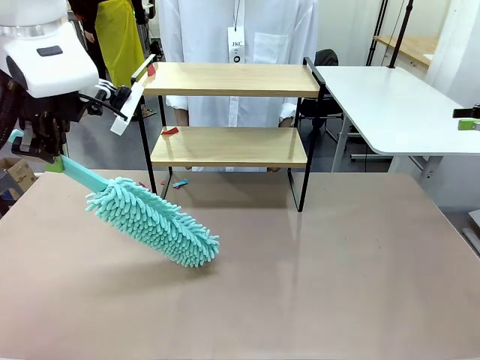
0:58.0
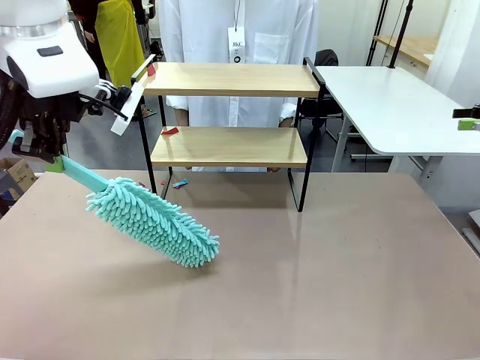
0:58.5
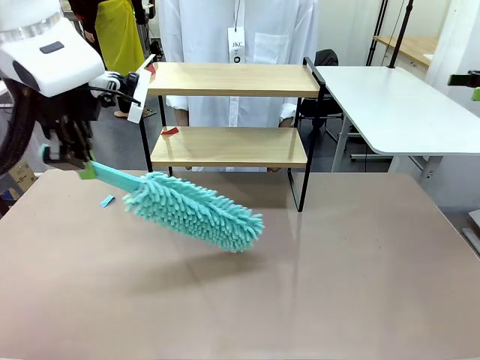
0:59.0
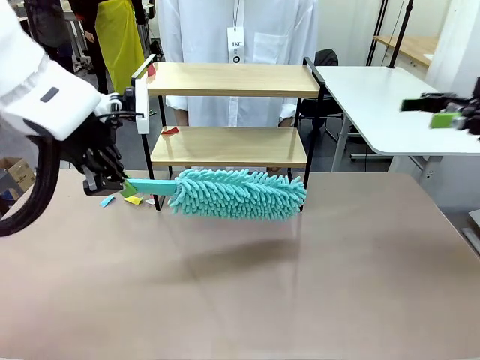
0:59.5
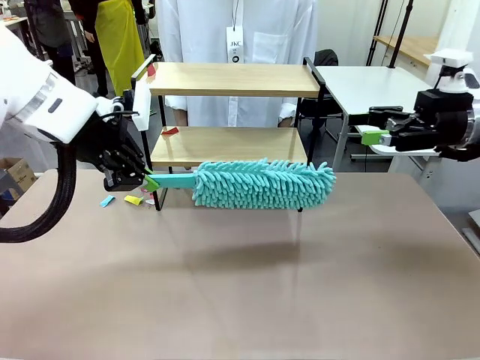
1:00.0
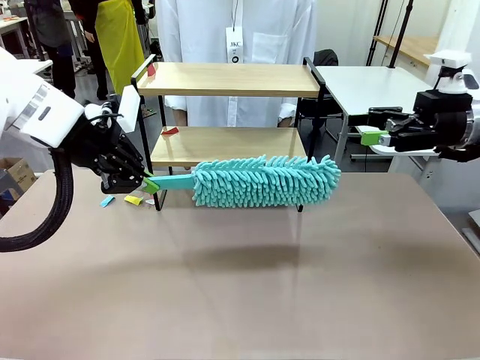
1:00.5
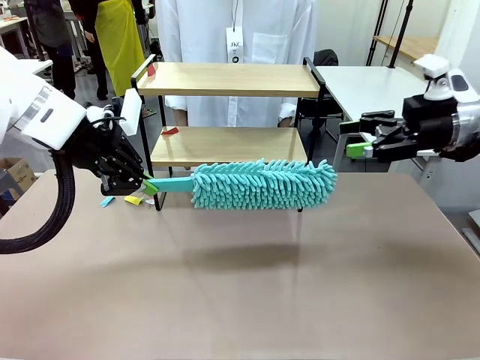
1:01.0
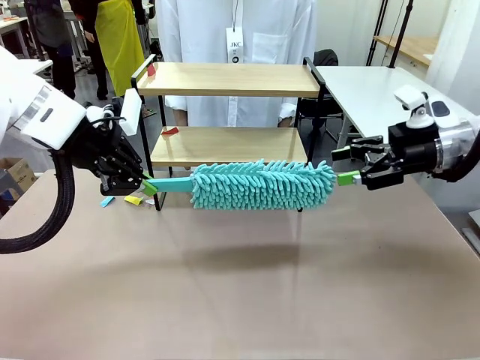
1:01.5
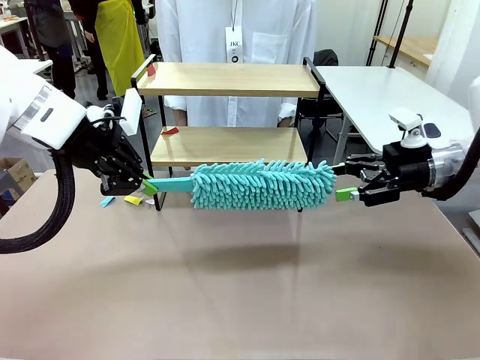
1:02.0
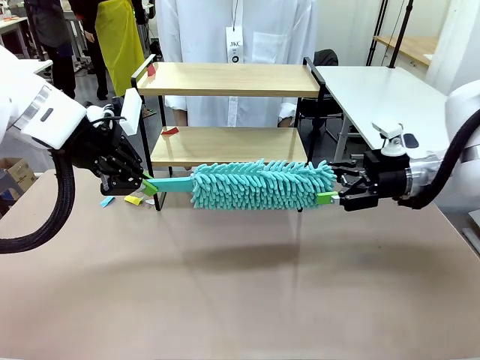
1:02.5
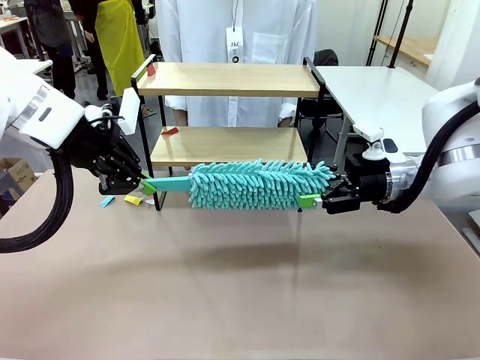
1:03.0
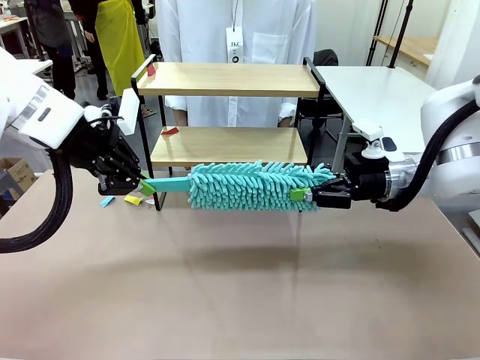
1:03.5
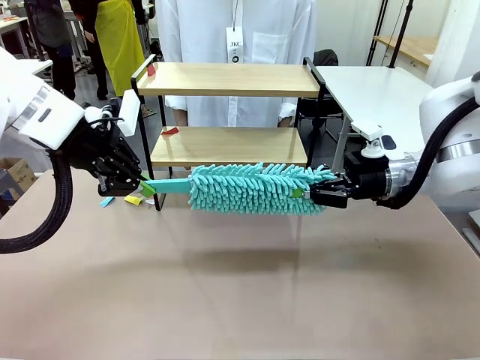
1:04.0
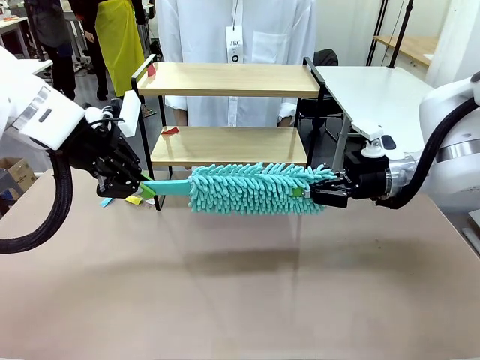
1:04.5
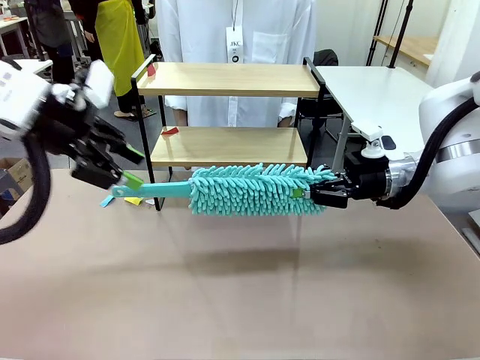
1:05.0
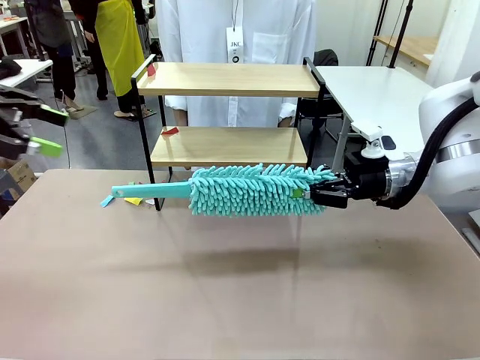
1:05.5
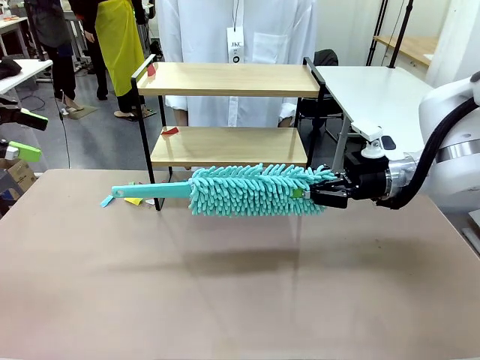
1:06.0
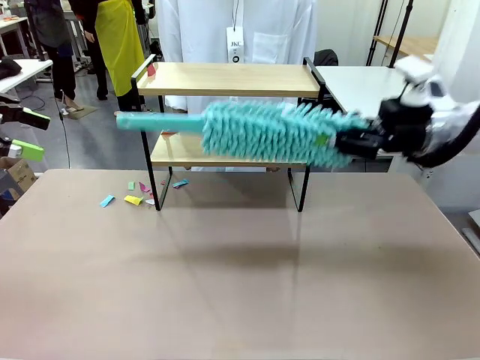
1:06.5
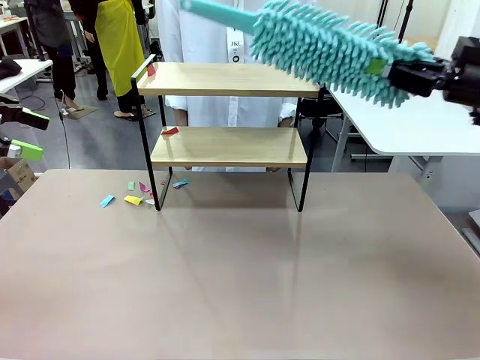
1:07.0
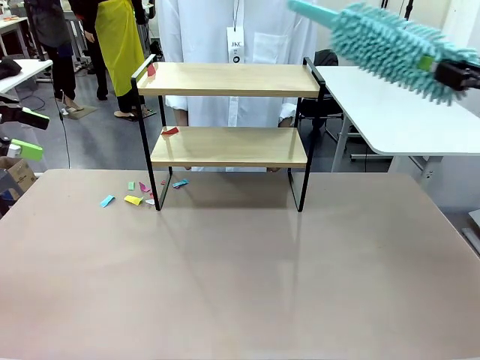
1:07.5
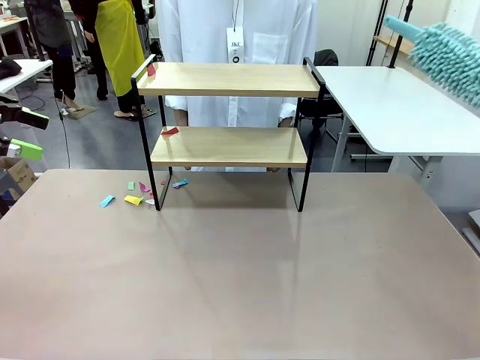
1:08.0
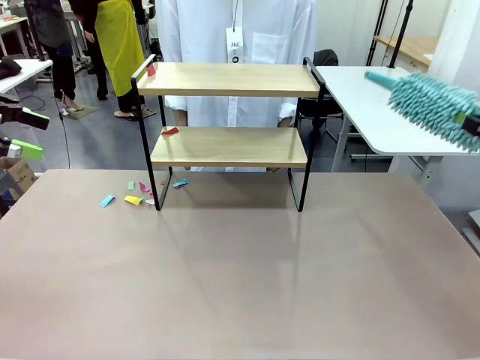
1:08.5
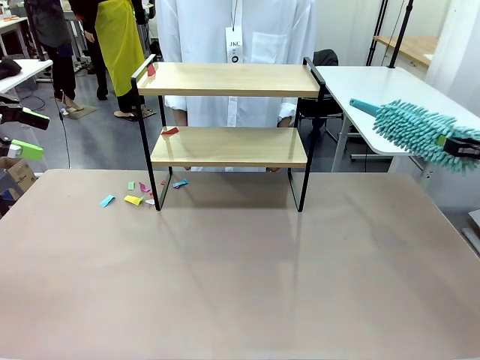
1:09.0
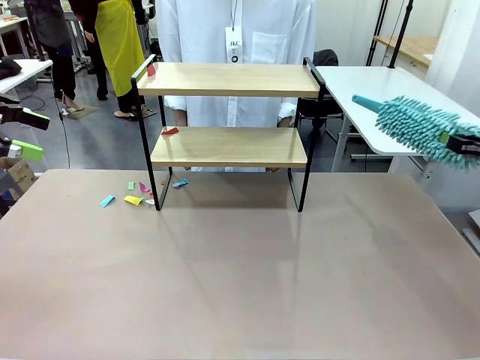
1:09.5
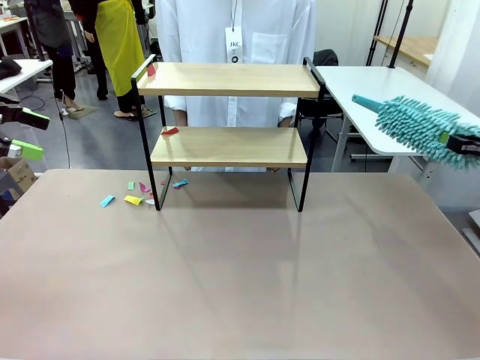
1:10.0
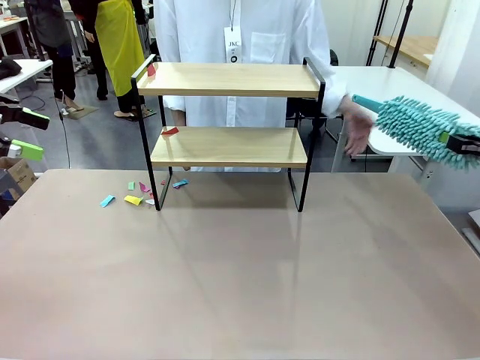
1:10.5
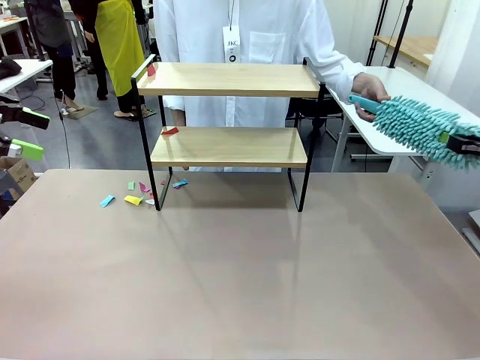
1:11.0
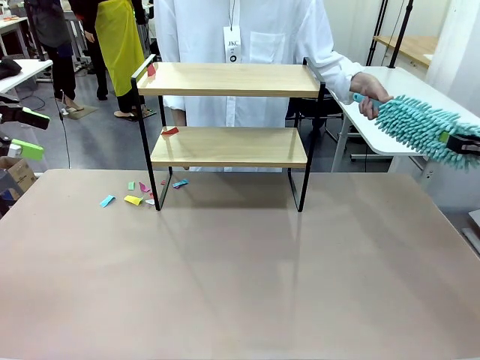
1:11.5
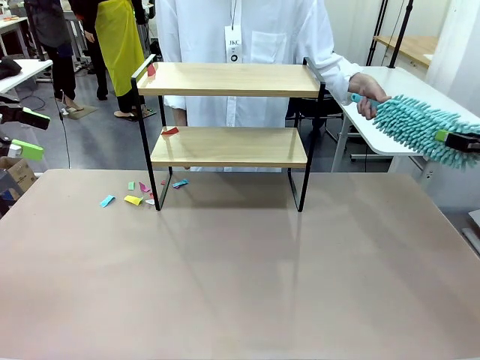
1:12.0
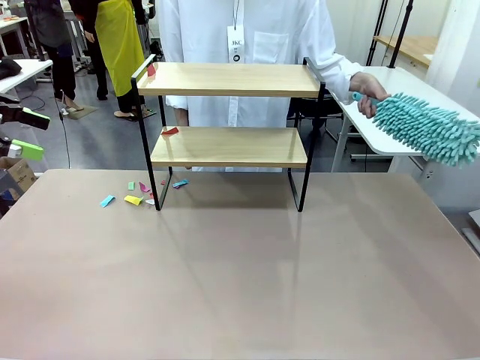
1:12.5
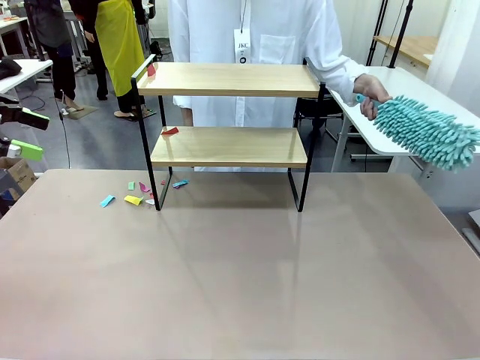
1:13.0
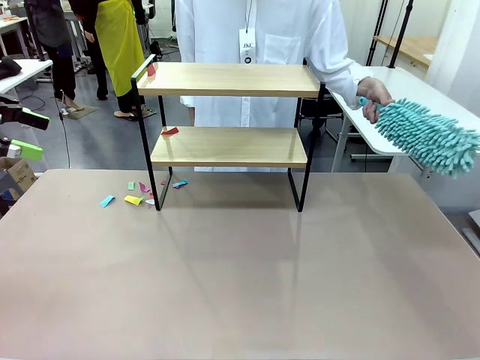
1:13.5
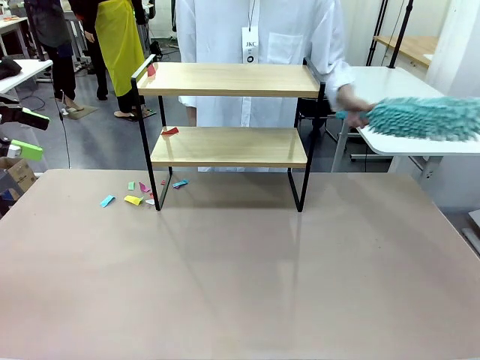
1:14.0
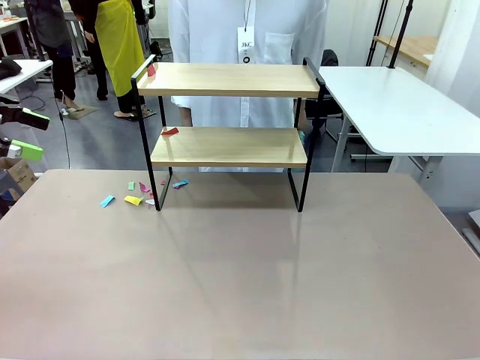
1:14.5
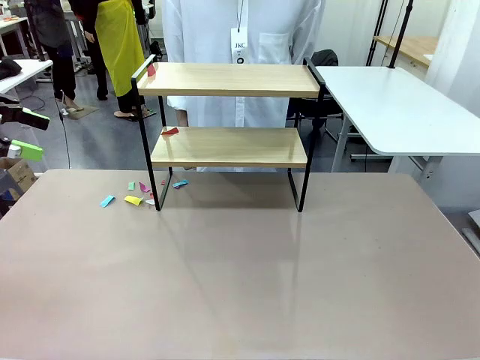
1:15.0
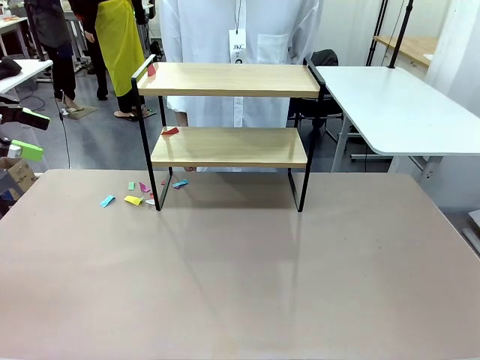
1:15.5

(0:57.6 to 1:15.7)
Task: Clean the shelf.
Robot: Hand the Duster back to the human.
Person: Receive the Duster from the robot.

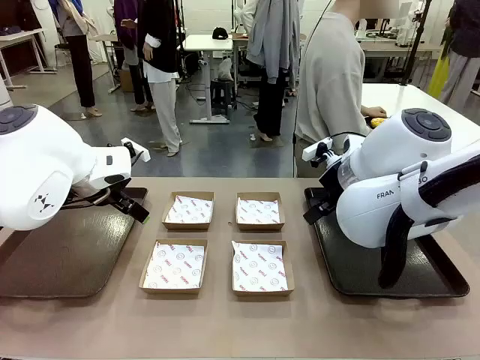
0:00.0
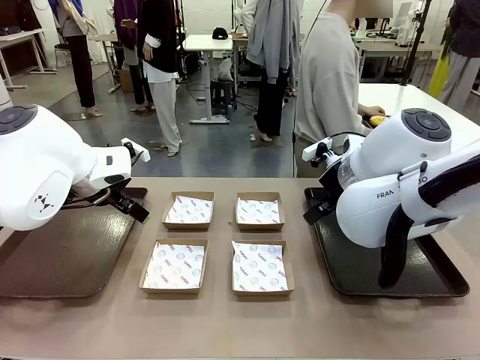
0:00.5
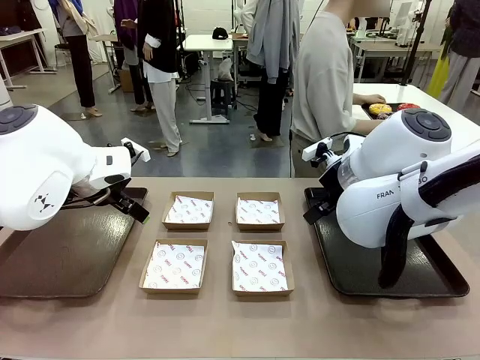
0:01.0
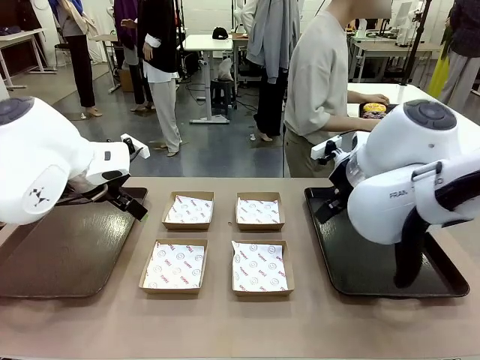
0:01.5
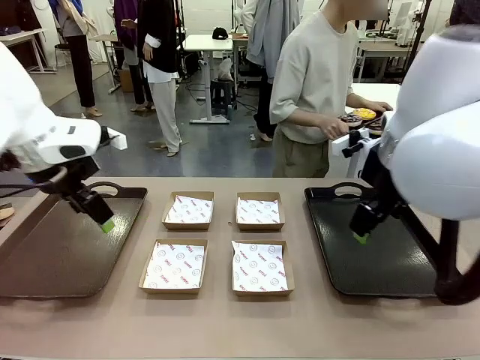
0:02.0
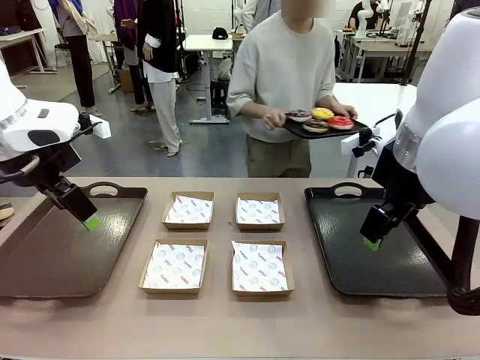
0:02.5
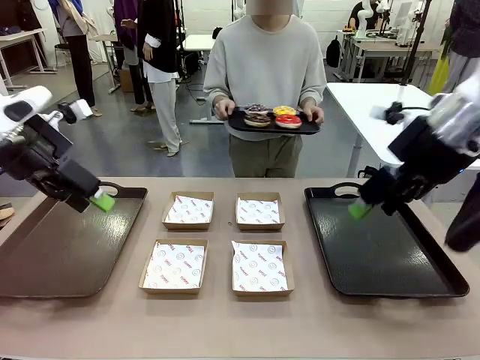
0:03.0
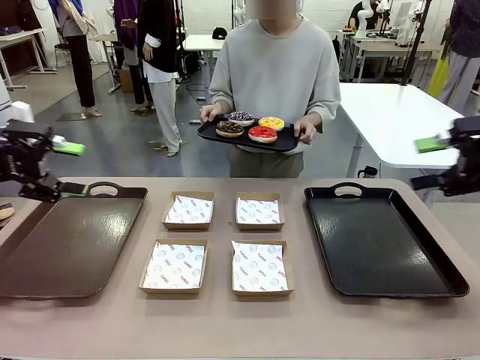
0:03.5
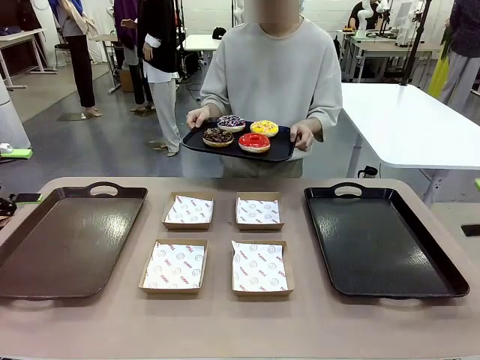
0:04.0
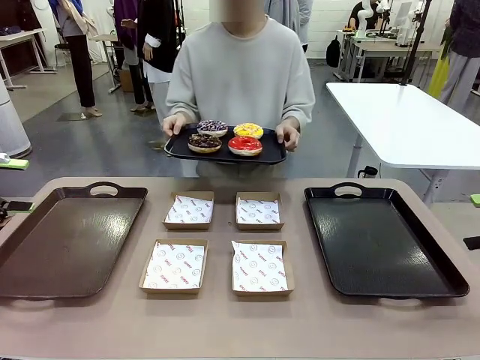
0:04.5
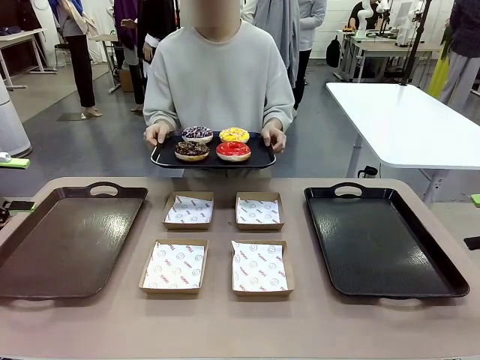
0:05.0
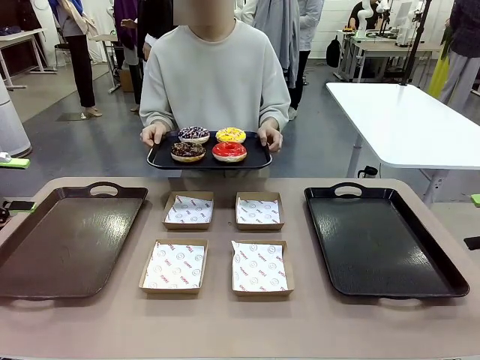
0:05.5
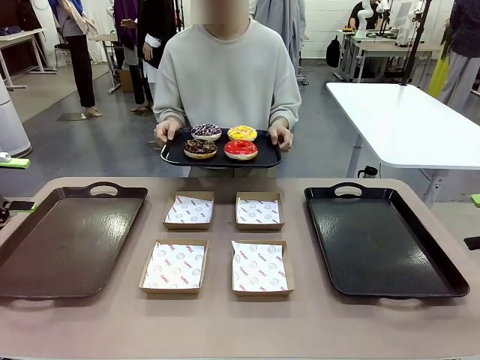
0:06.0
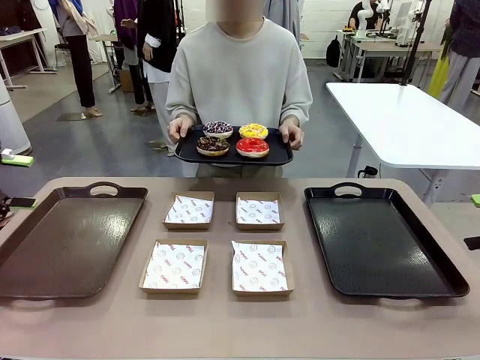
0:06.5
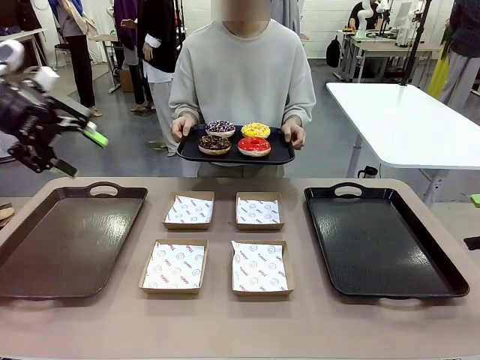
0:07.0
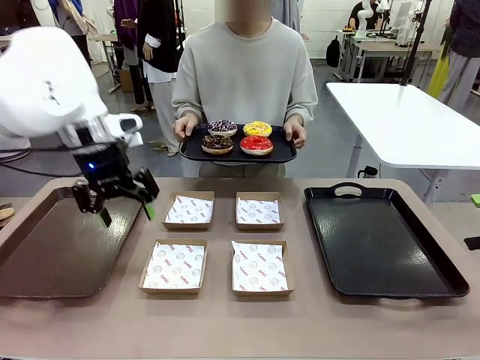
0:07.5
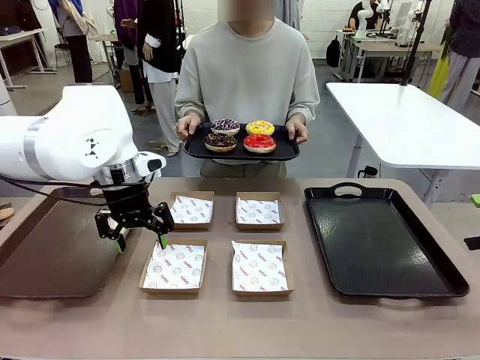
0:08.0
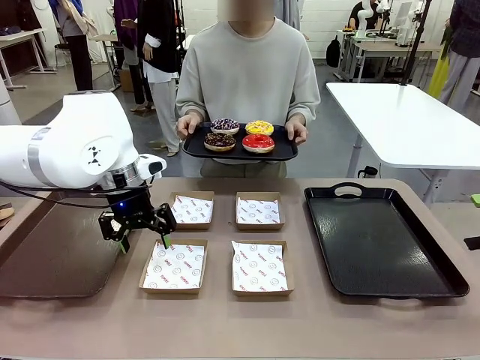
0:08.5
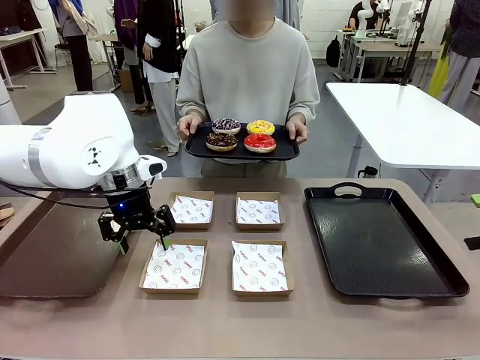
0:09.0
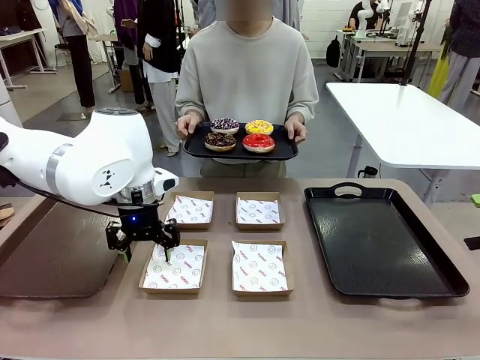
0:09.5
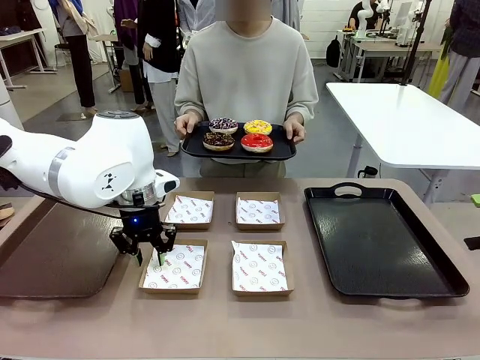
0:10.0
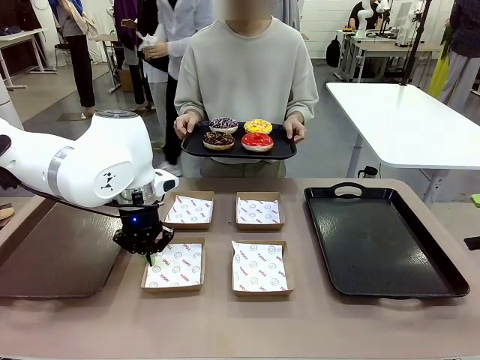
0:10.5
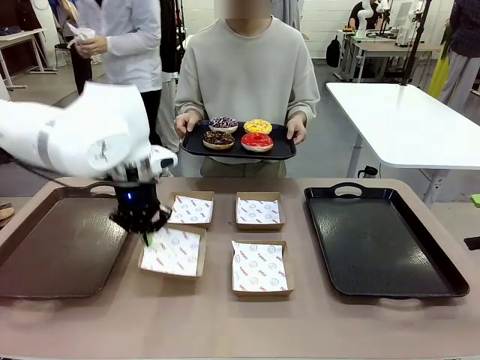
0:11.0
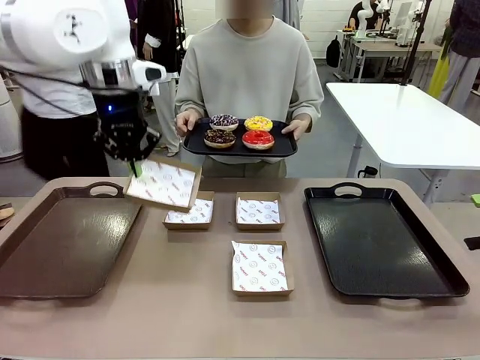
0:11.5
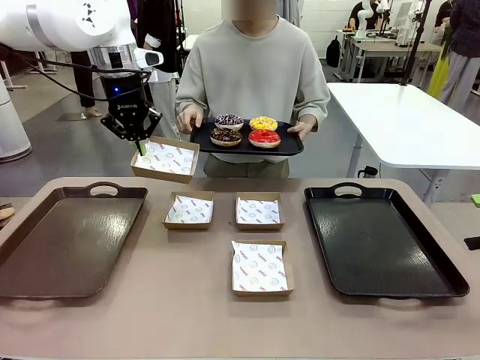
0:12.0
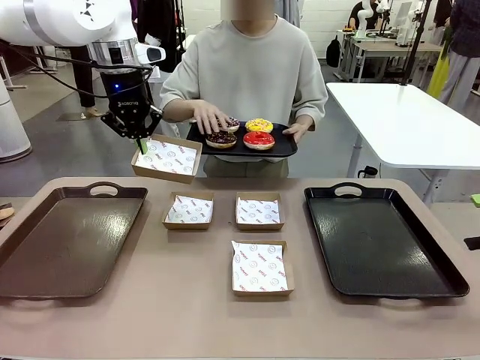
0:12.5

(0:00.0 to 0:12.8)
Task: Individually package the donuts and arrange them on the tray.
Robot: Pick up one Paper togo box.
Person: Stand in front of the robot table holding the tray containing the donuts.
